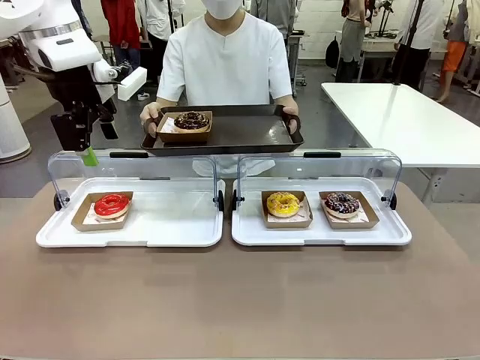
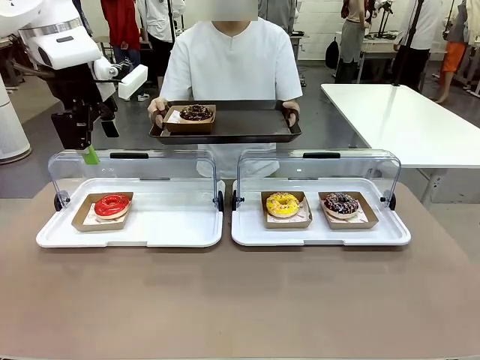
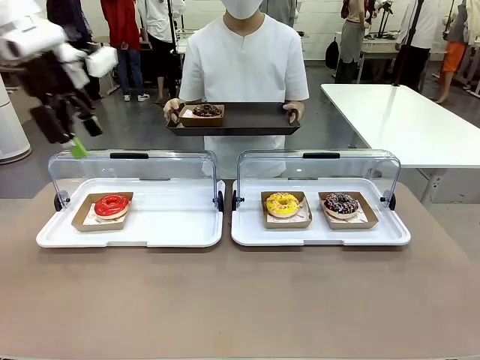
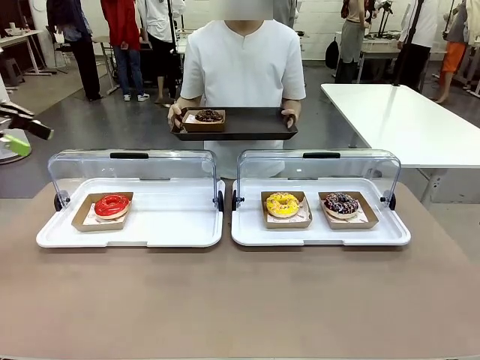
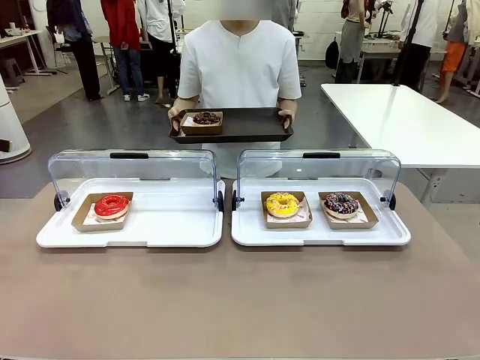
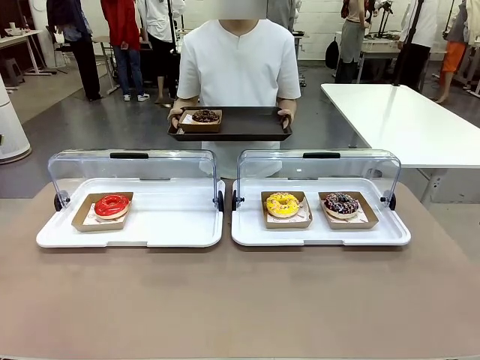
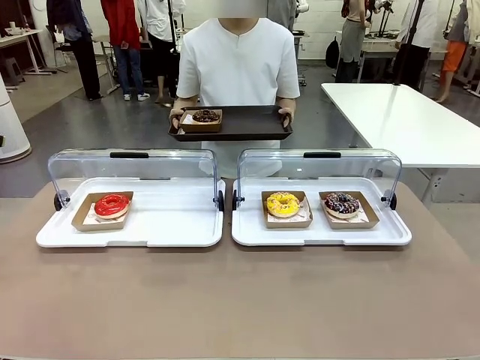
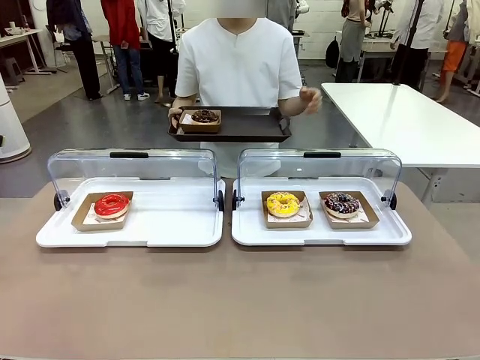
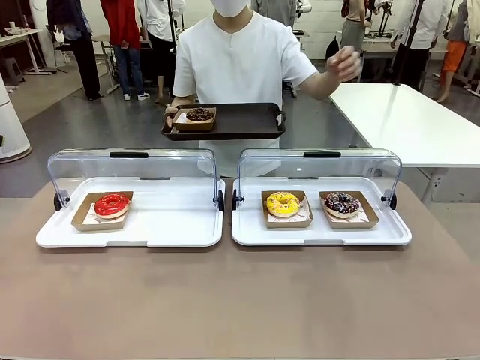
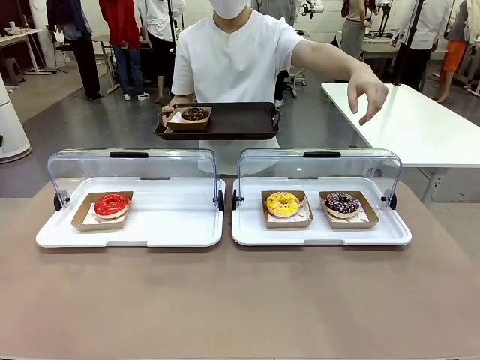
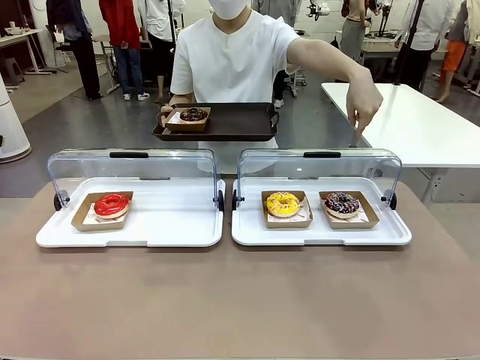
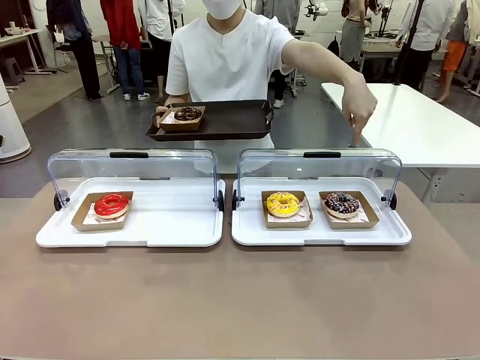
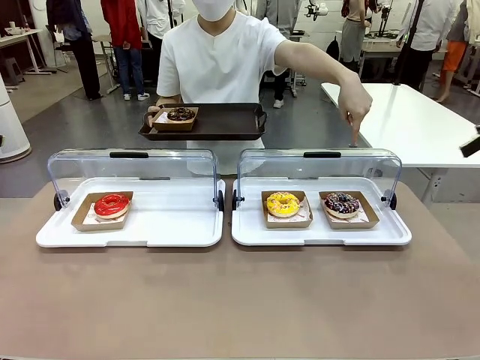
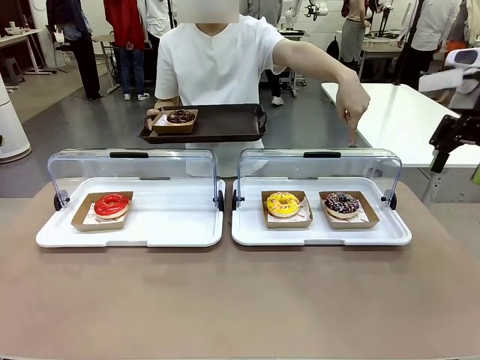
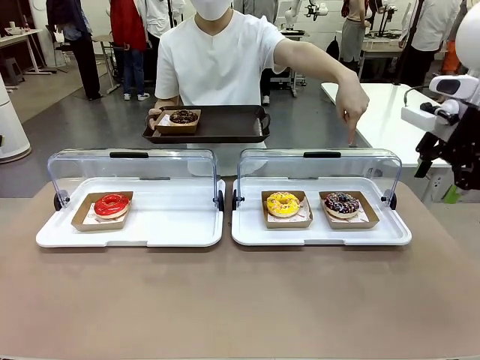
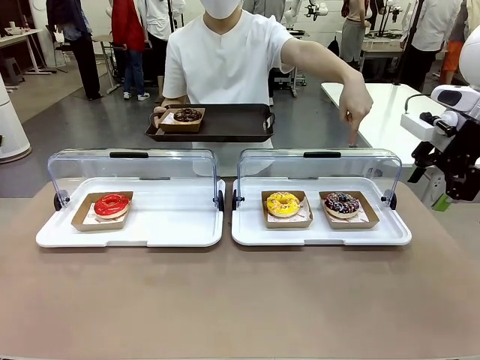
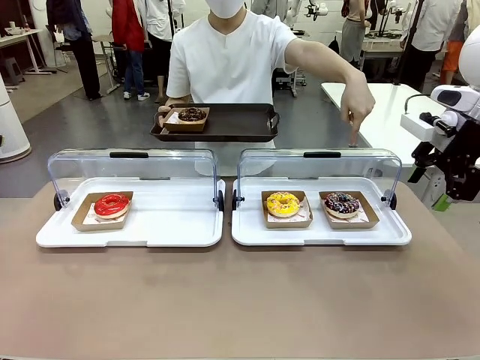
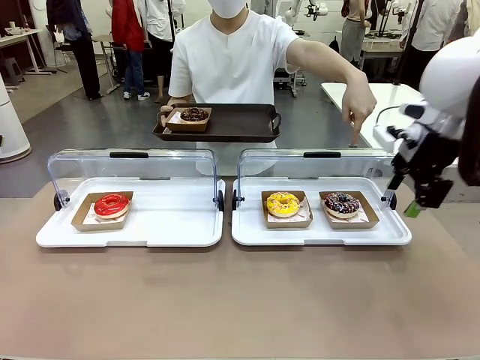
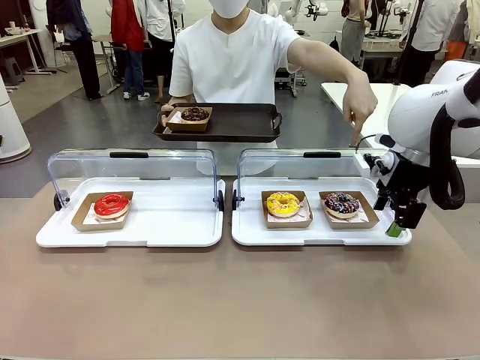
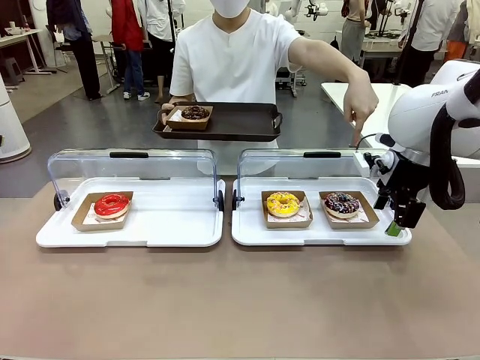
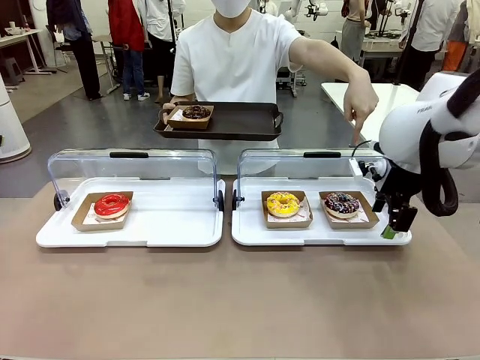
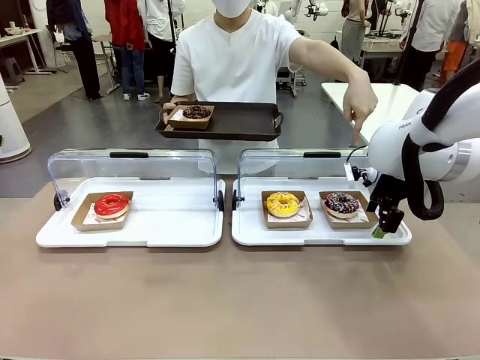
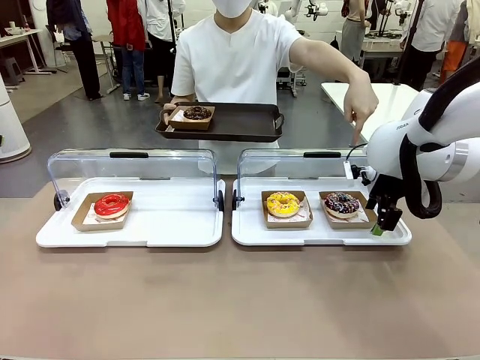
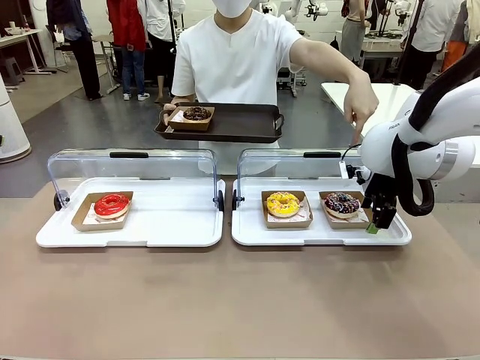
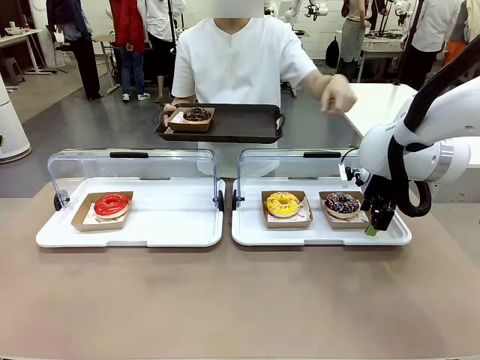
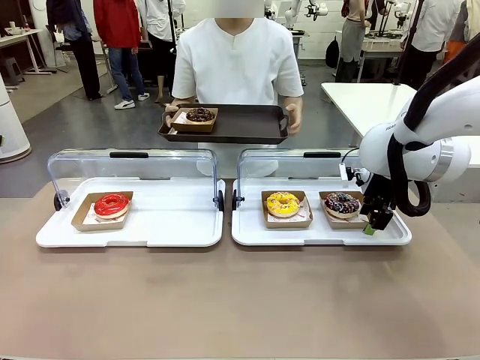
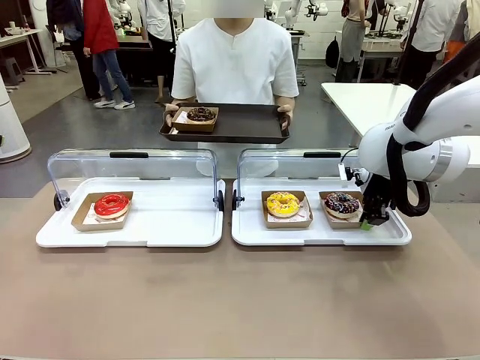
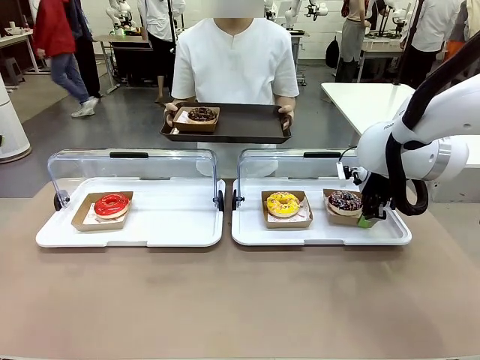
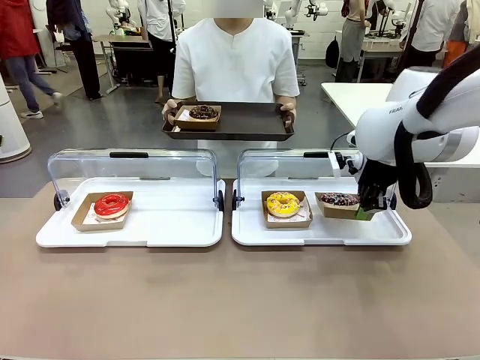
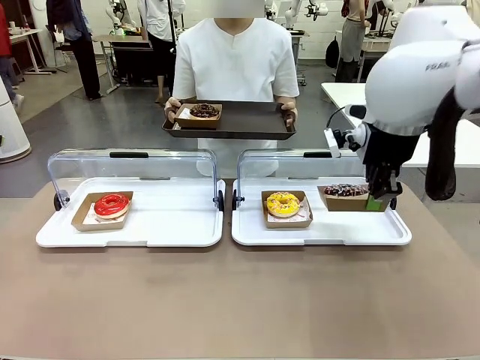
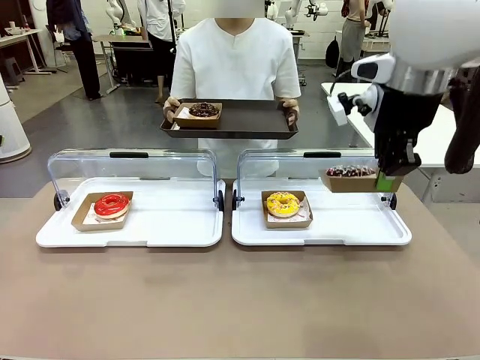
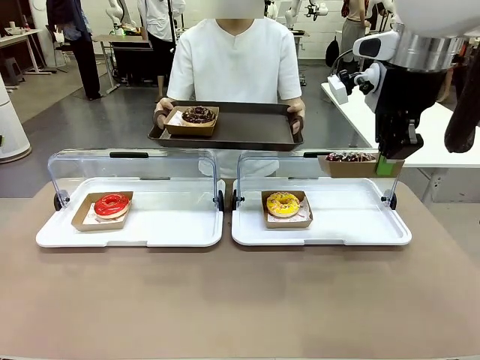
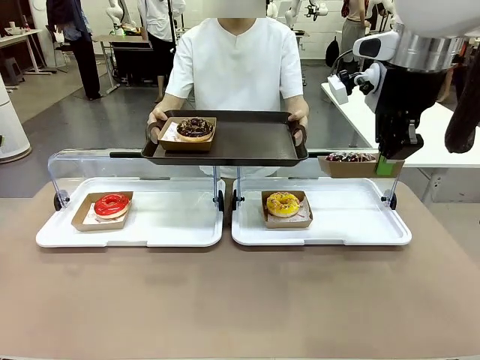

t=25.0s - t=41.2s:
Task: Provide the desired donut to the person.
Robot: Pick up and lift the Paper togo box containing the Donut pointed at by the person.
Person: Point to one donut. Lift the tray onto the Roll-Top Bakery Case.

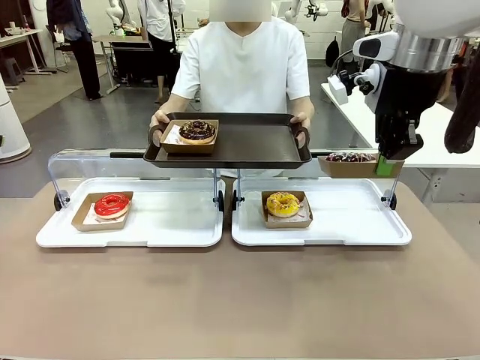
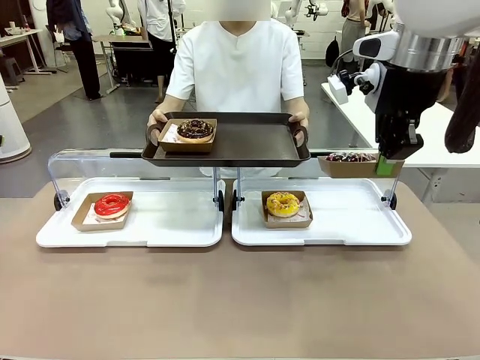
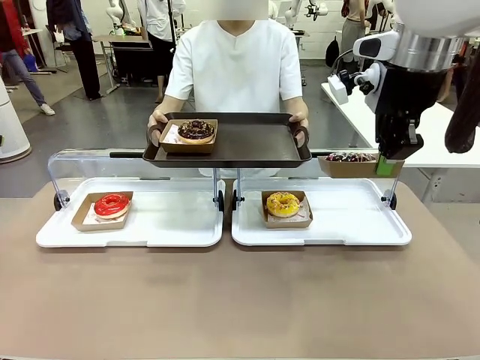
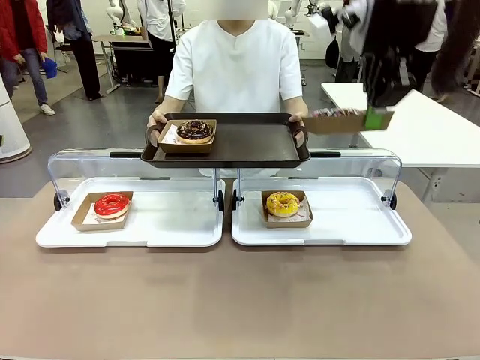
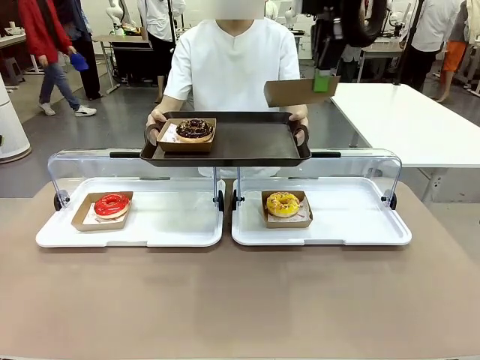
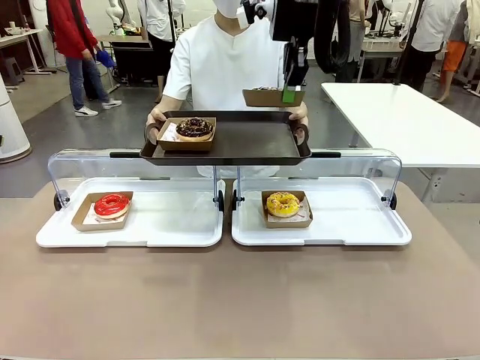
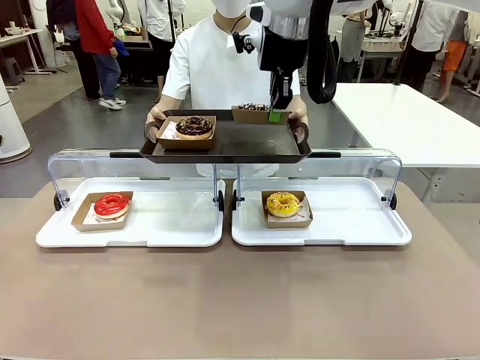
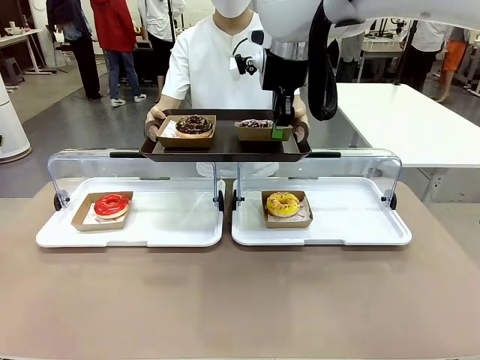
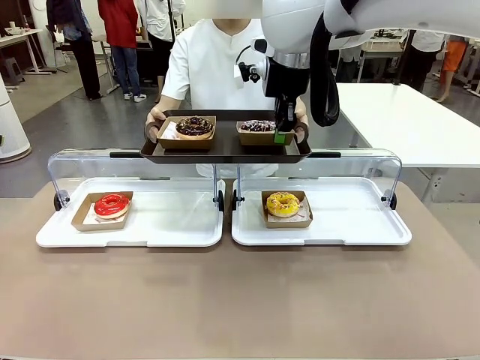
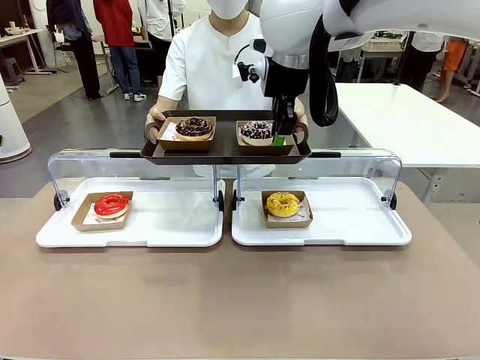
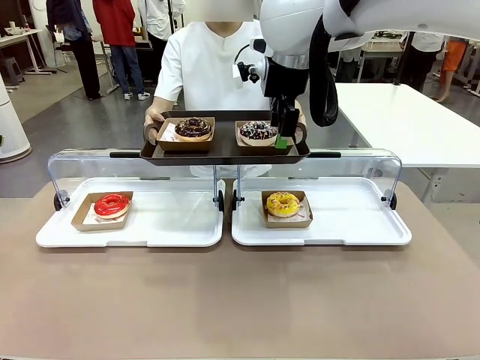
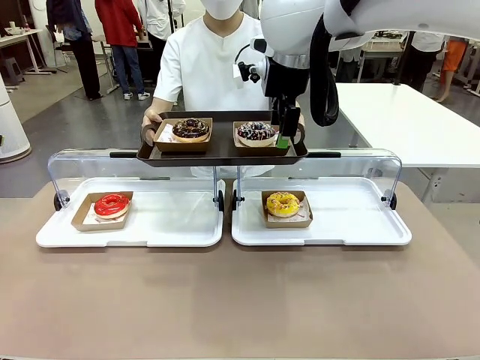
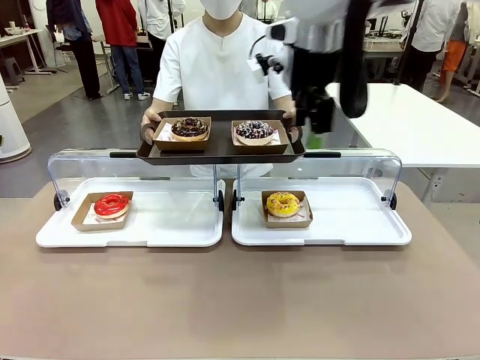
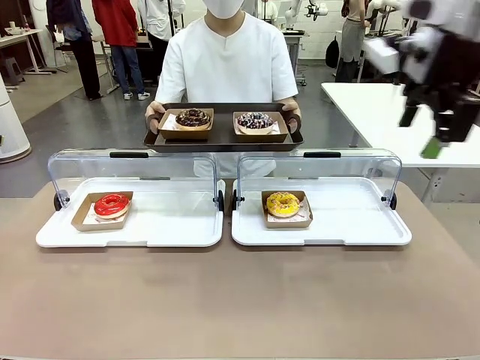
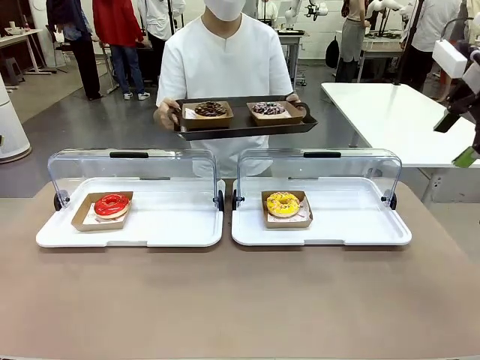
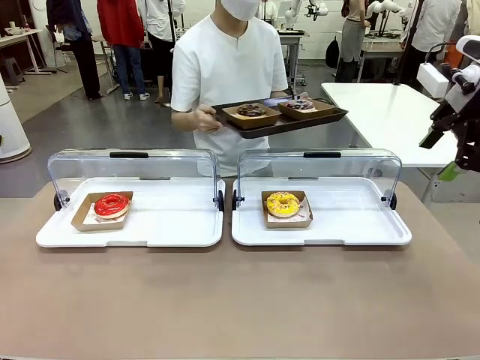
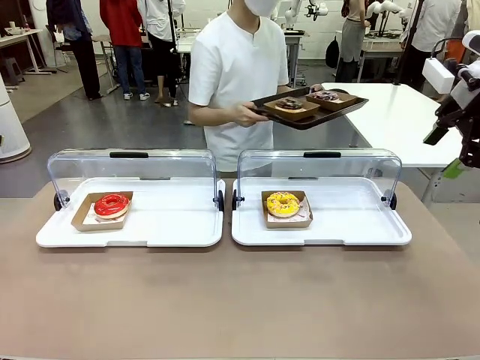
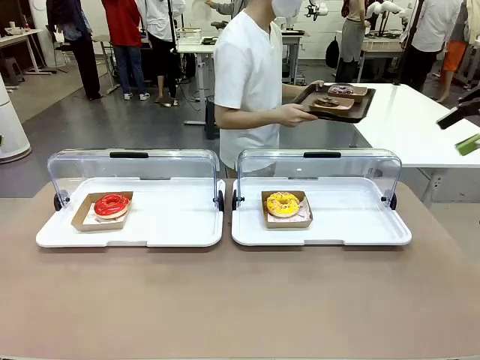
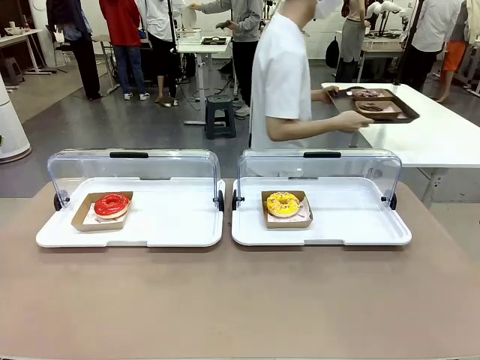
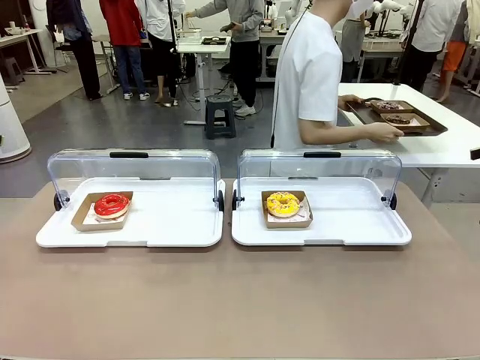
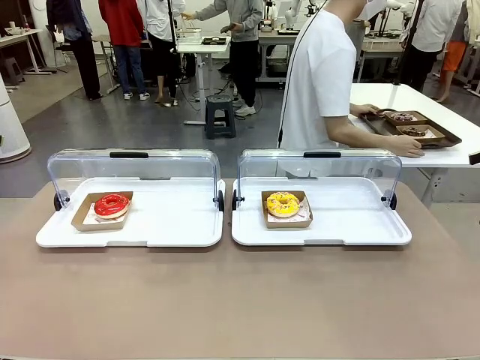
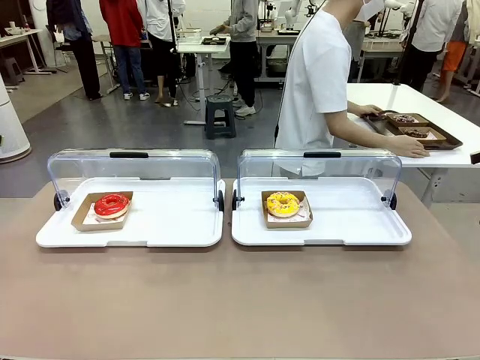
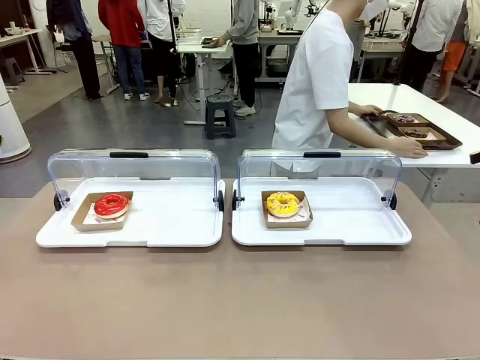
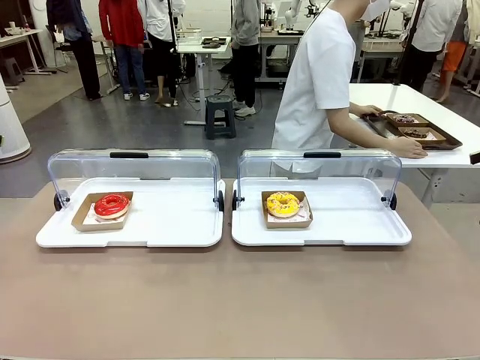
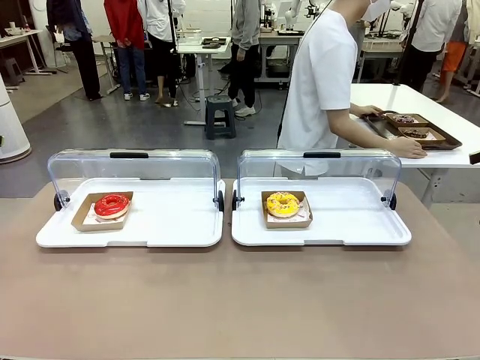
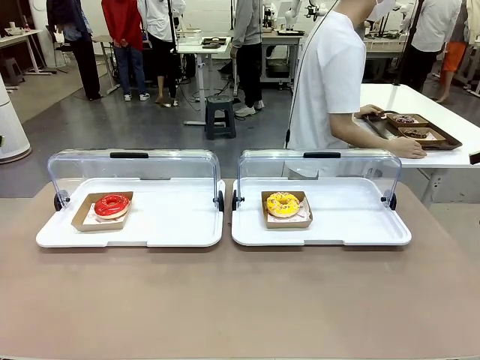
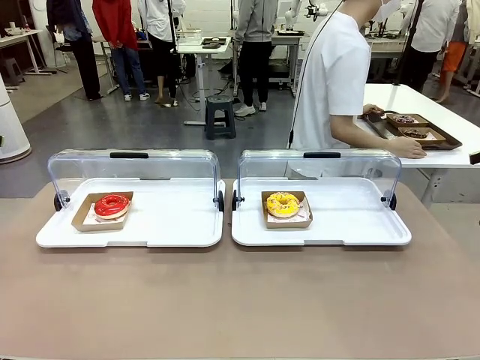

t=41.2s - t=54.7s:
Robot: Place the picked Paper togo box onto the Handle tray extended by the person.
Person: Place the tray in the middle of the human table.
